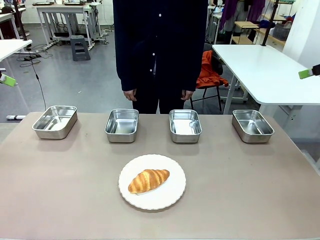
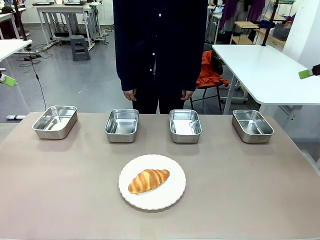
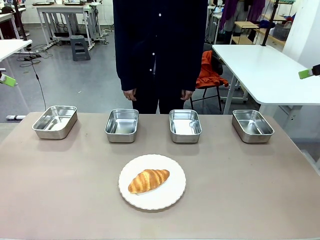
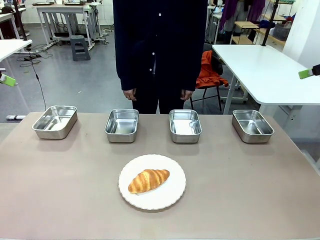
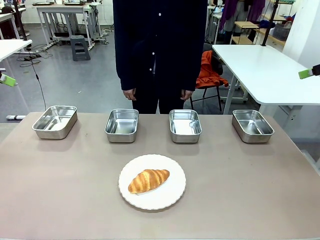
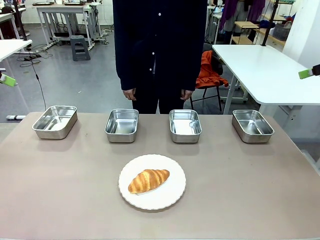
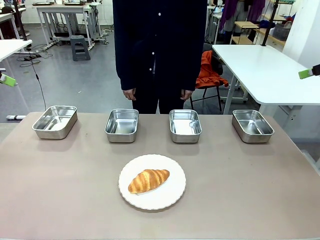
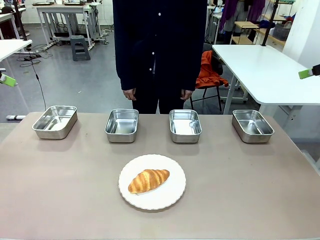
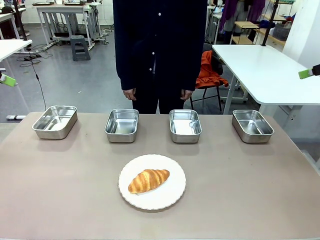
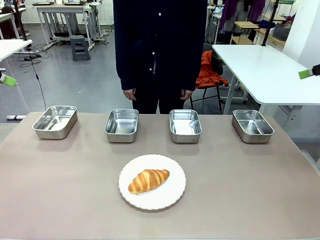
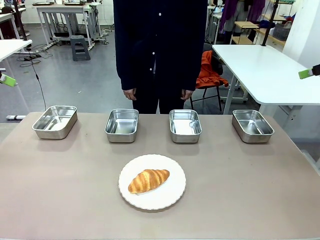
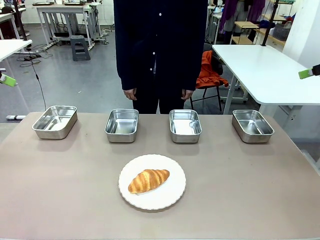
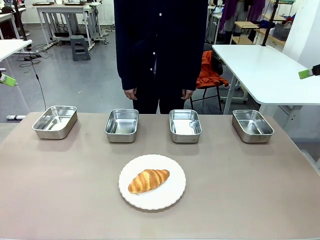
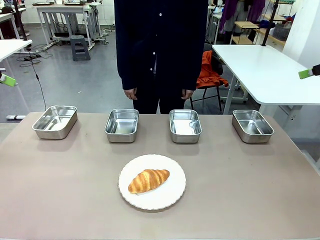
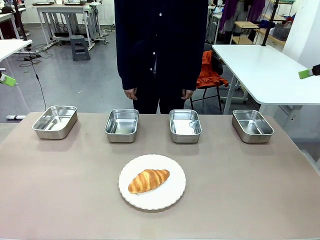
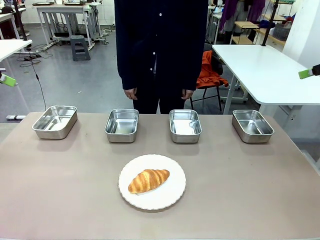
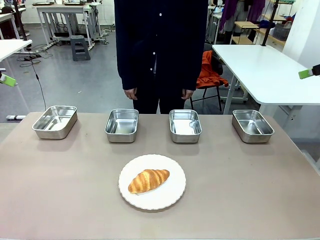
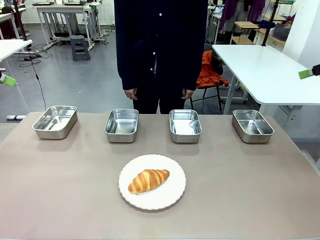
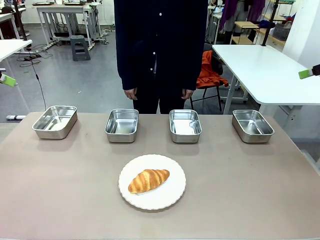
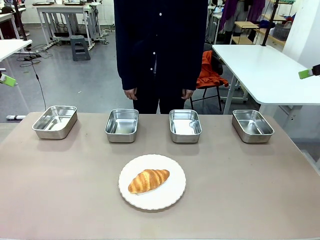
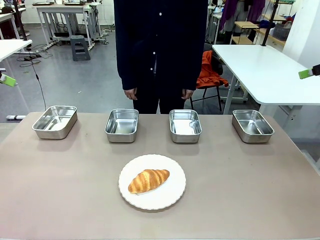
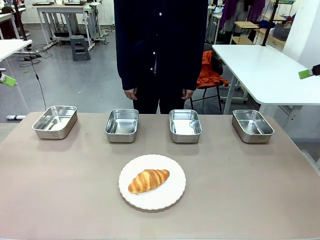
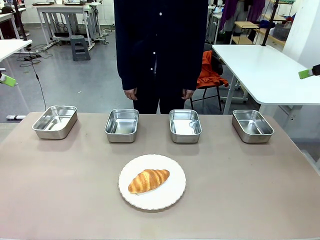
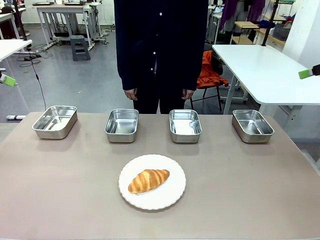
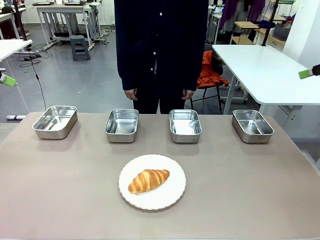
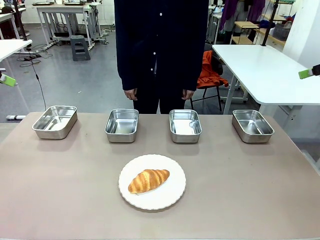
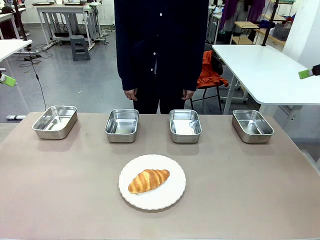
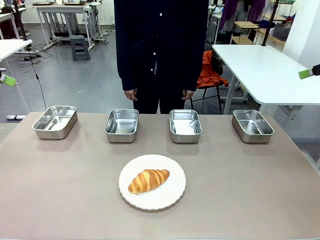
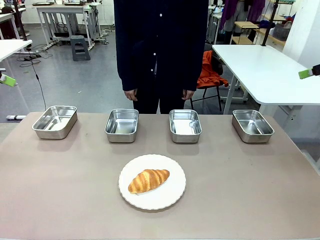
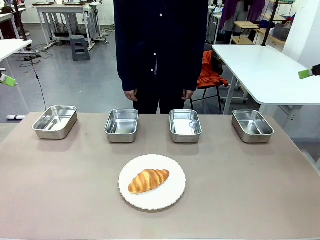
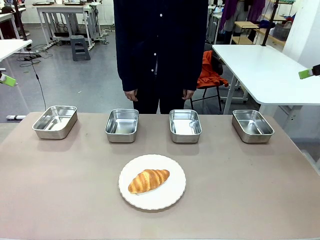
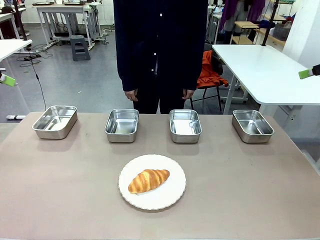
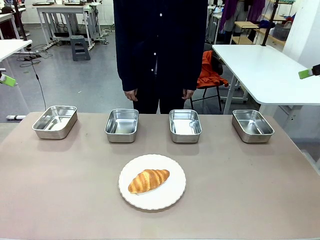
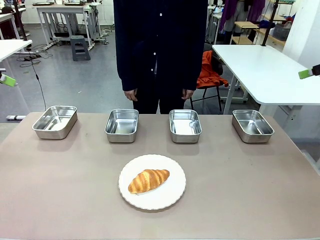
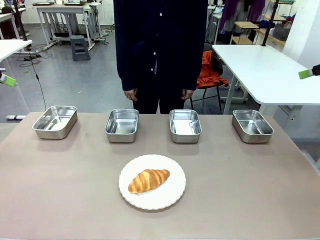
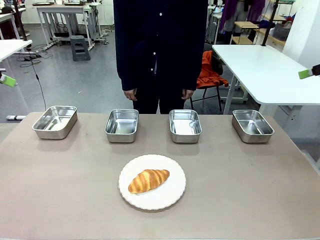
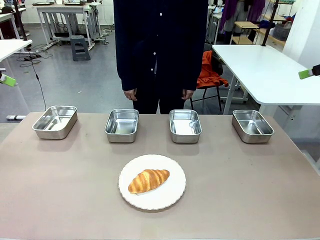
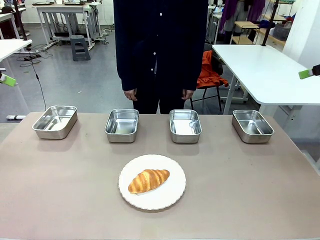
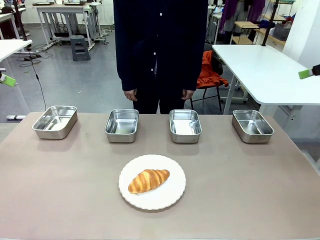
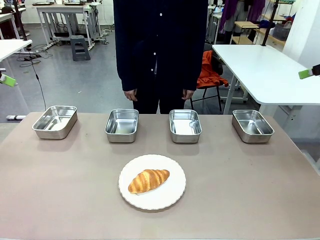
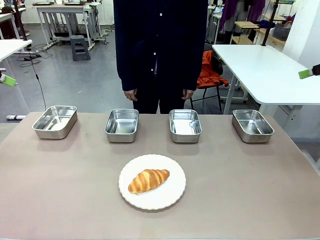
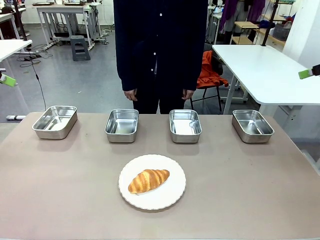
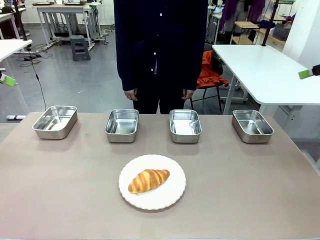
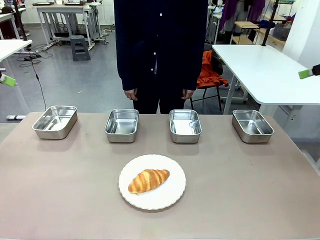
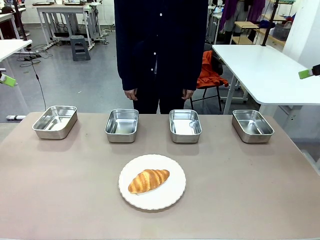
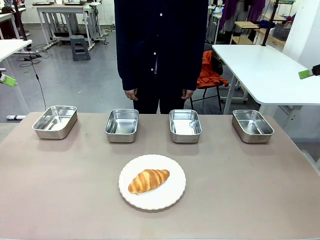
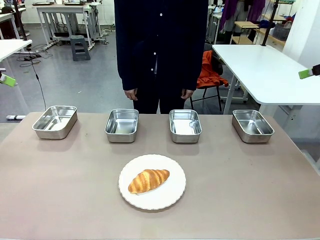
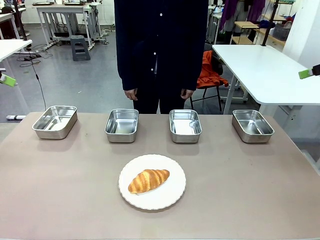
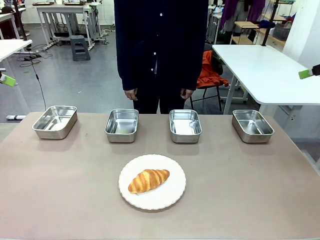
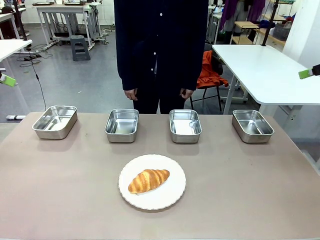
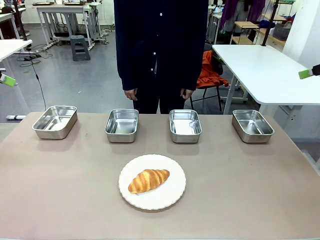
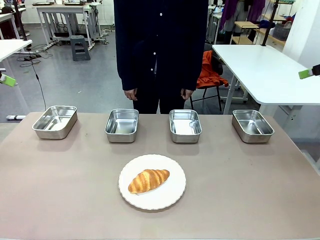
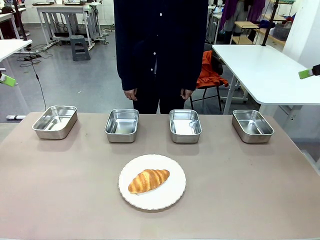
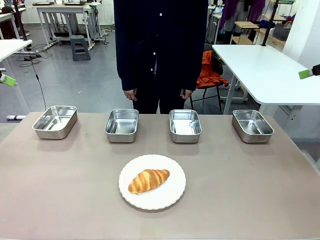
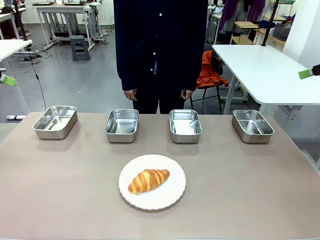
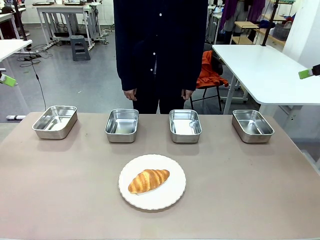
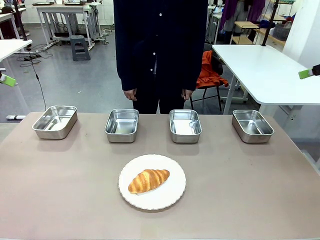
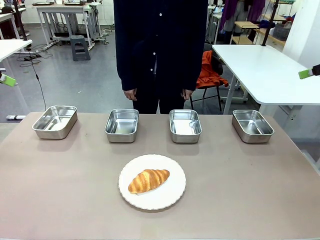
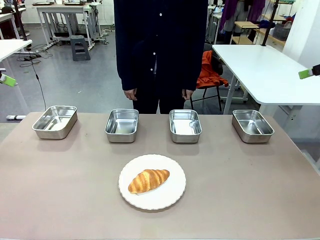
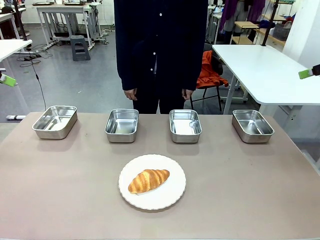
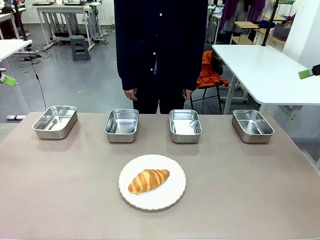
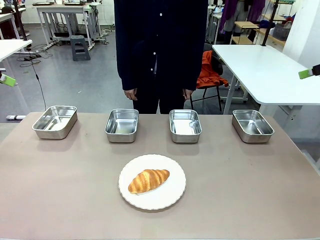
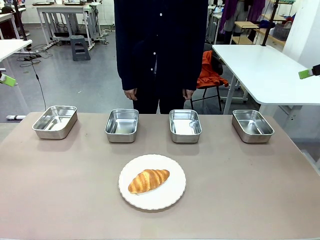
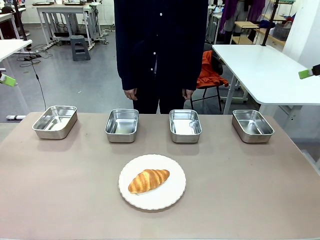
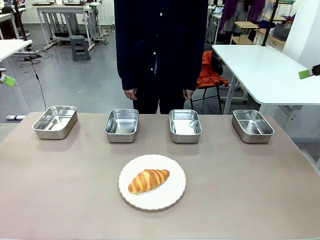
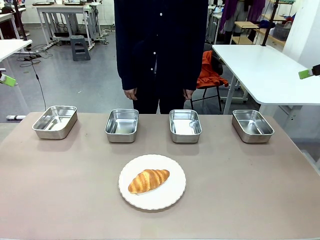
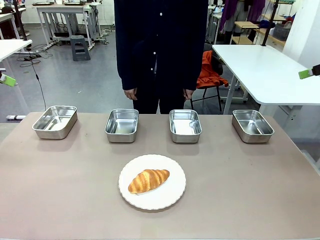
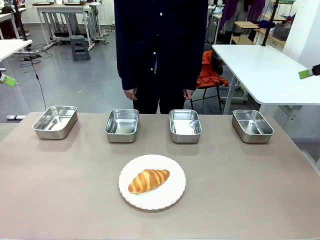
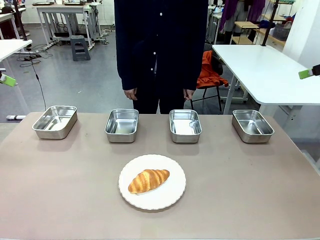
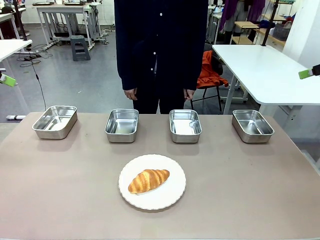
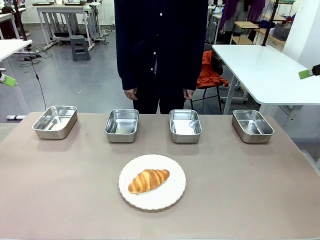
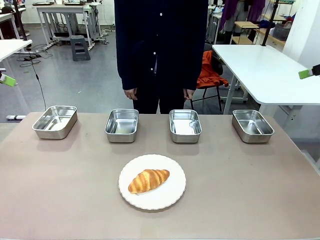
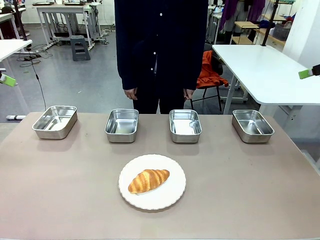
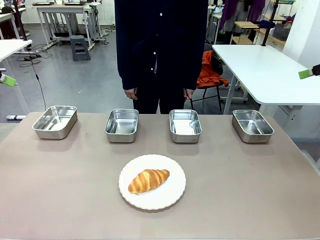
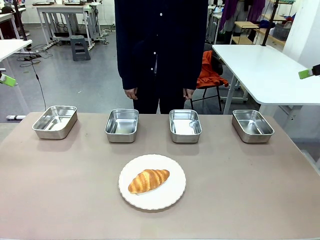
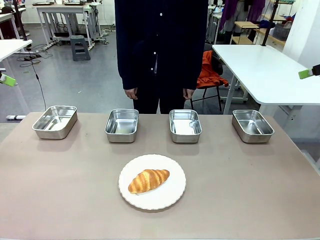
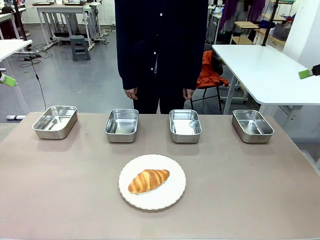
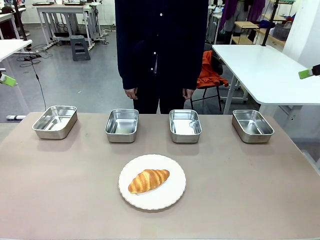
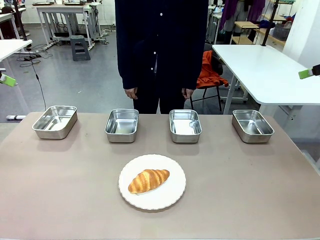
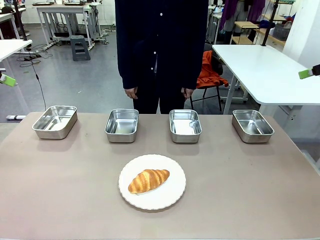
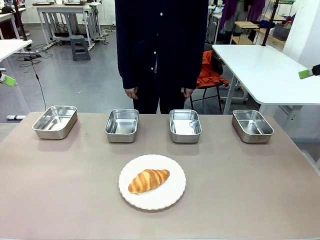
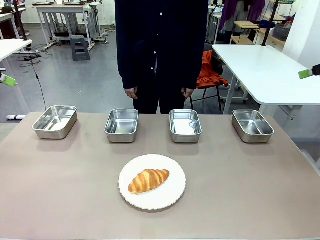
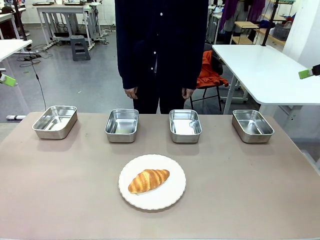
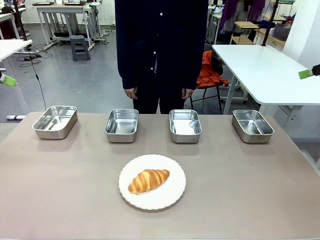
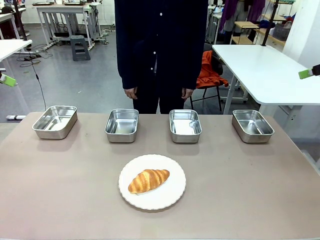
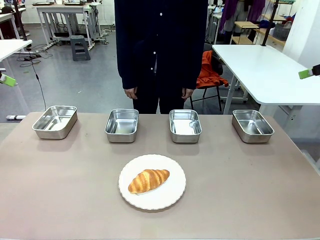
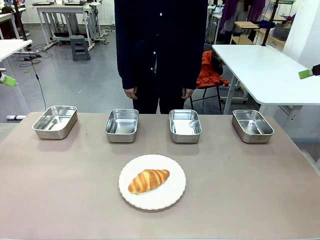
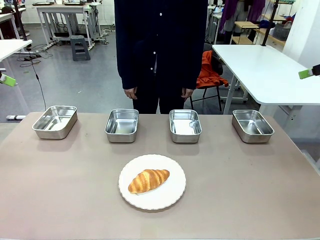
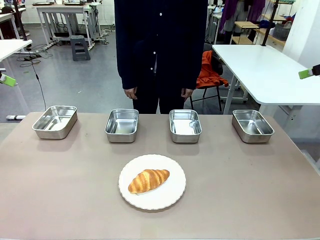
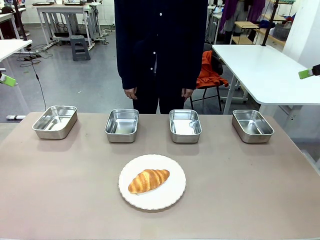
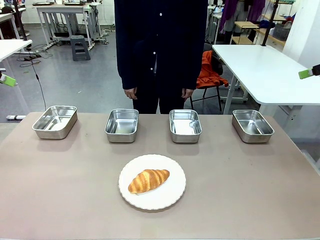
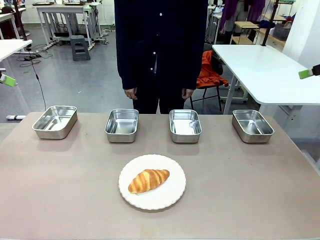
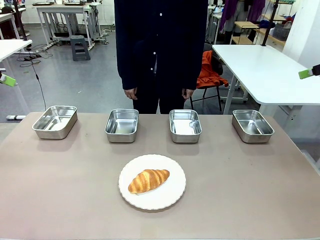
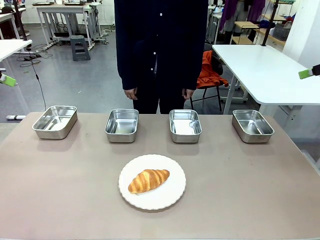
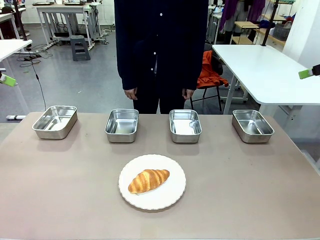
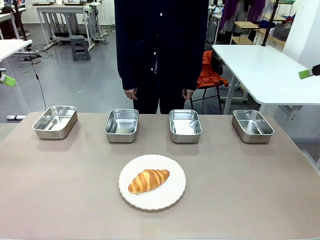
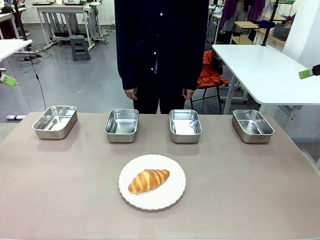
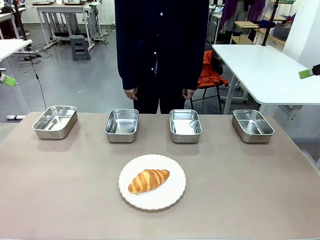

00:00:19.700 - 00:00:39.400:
Task: Place the bread in the container.
Robot: Place the Butter Roll into the Airtight Container indicated by the human.
